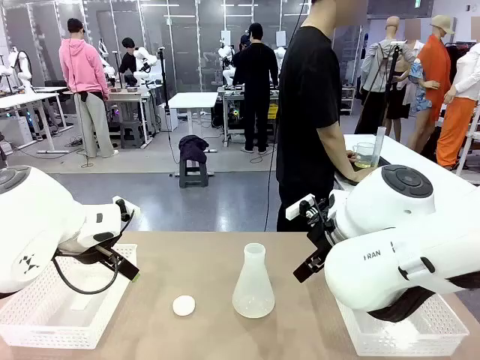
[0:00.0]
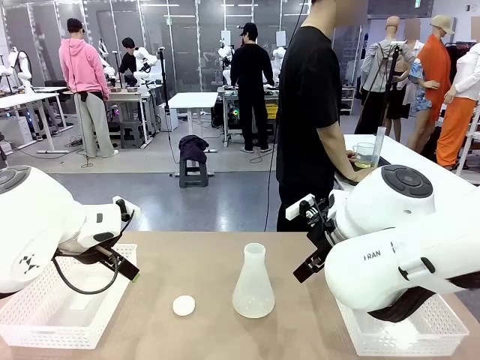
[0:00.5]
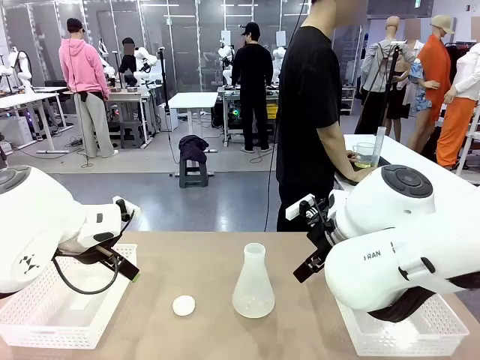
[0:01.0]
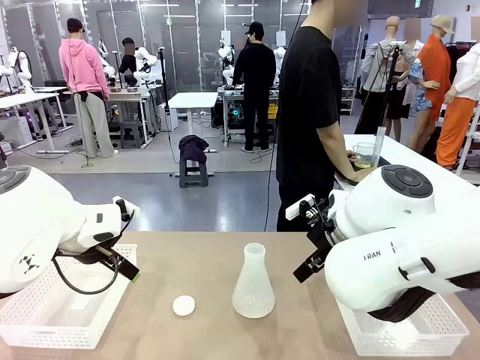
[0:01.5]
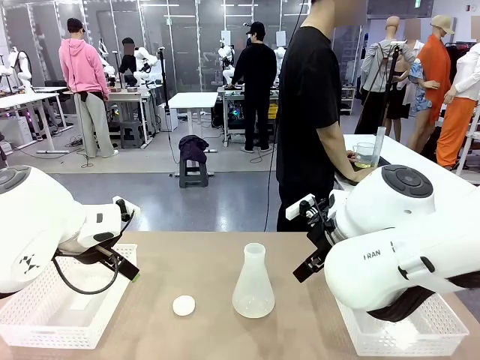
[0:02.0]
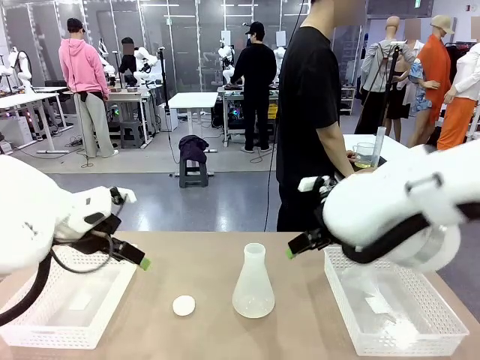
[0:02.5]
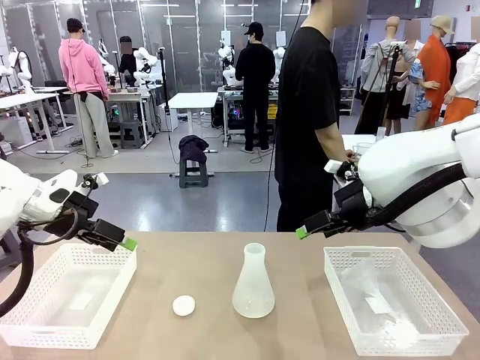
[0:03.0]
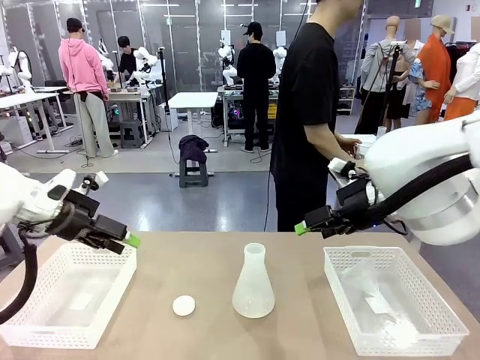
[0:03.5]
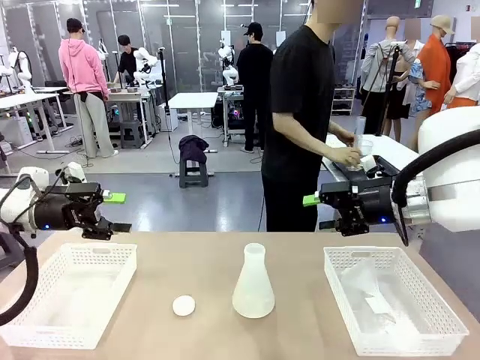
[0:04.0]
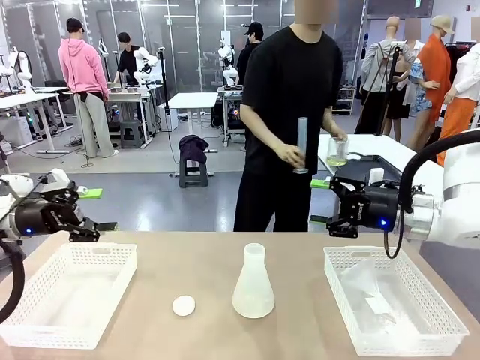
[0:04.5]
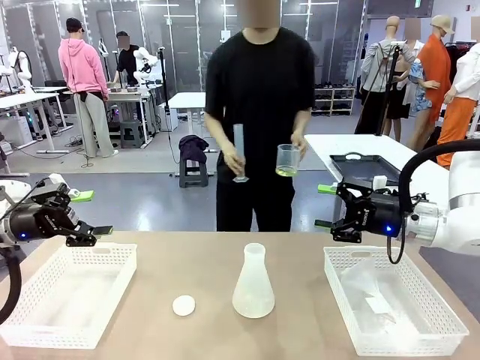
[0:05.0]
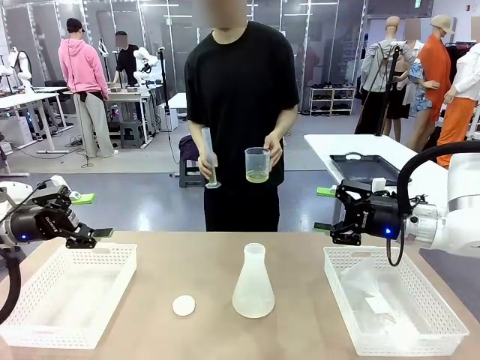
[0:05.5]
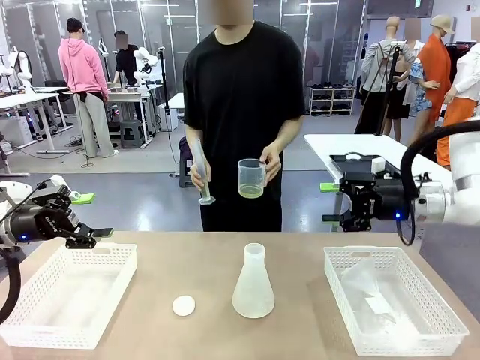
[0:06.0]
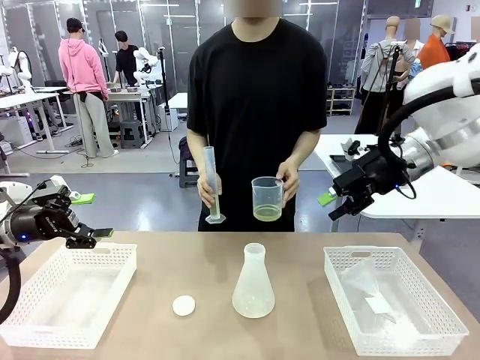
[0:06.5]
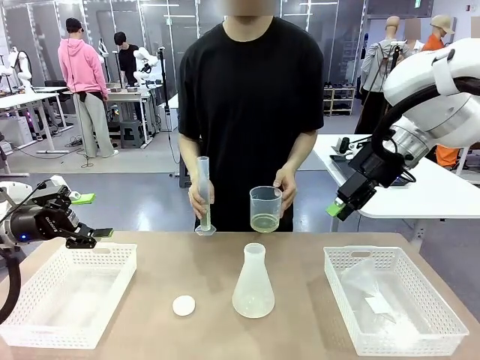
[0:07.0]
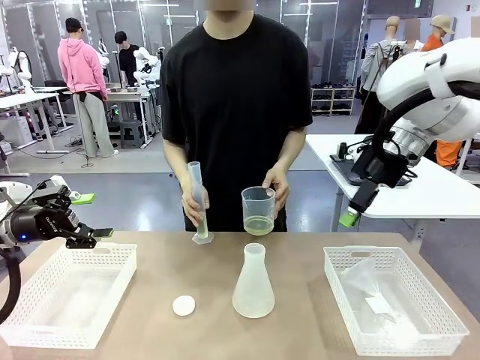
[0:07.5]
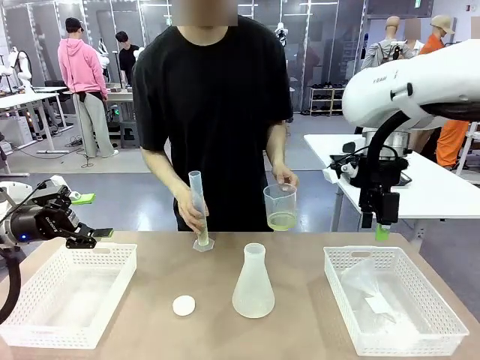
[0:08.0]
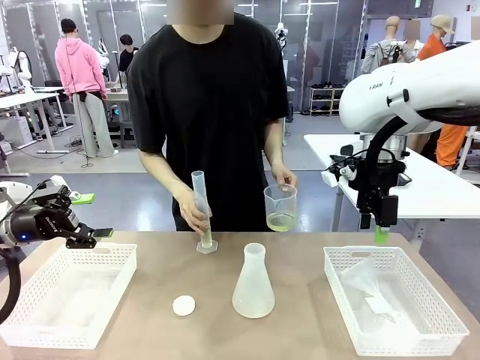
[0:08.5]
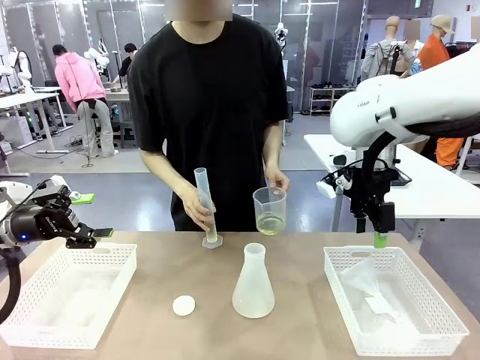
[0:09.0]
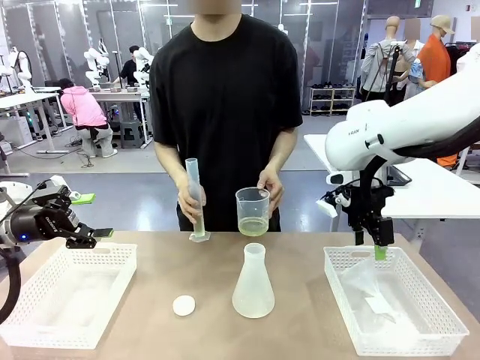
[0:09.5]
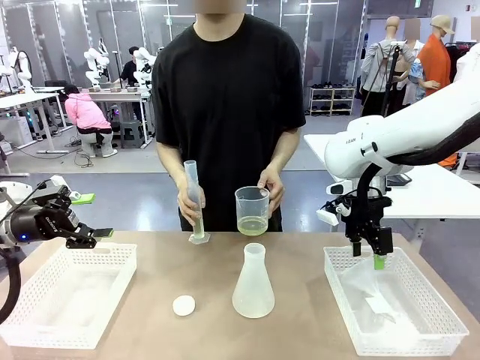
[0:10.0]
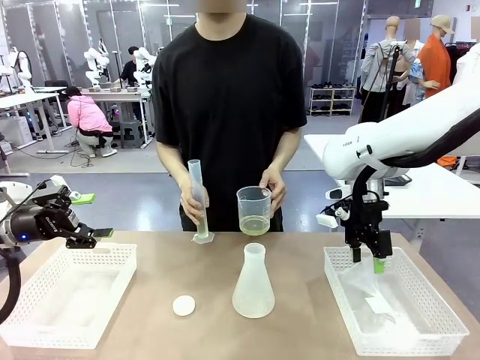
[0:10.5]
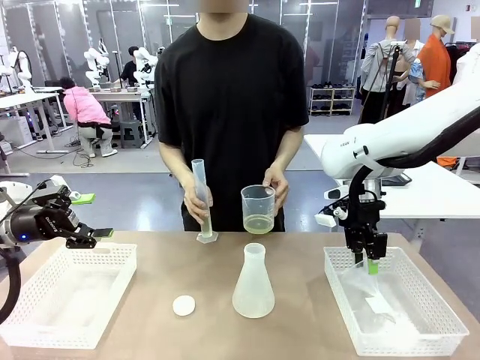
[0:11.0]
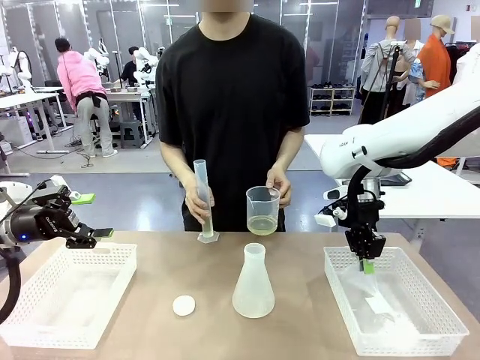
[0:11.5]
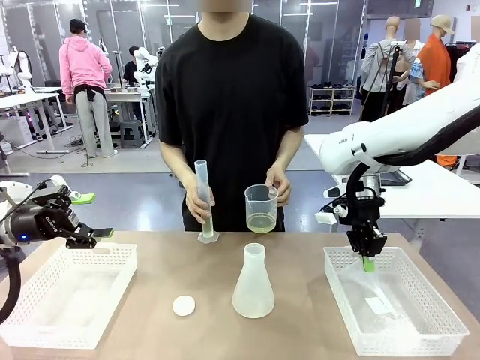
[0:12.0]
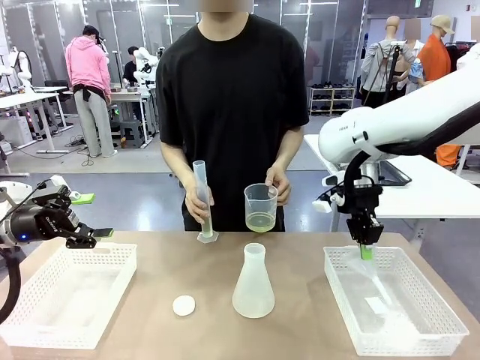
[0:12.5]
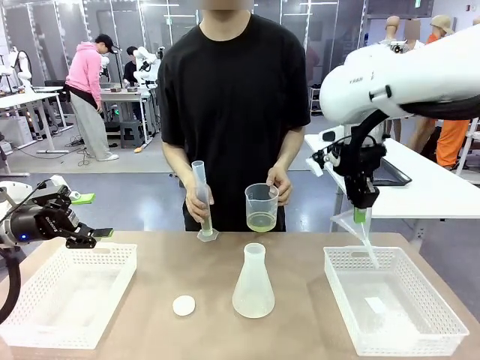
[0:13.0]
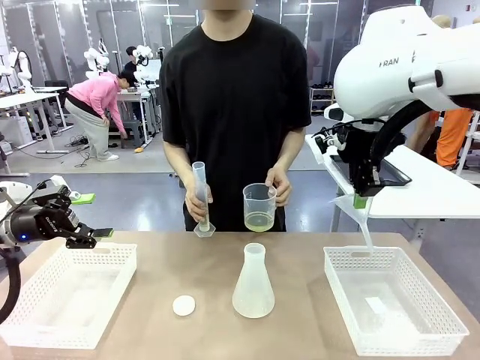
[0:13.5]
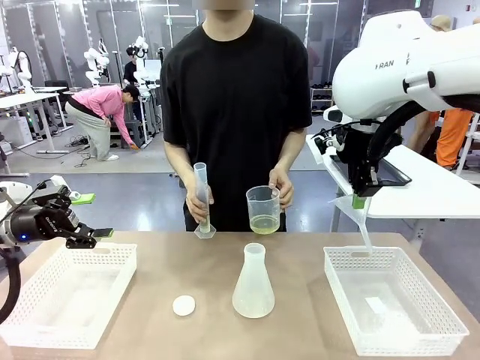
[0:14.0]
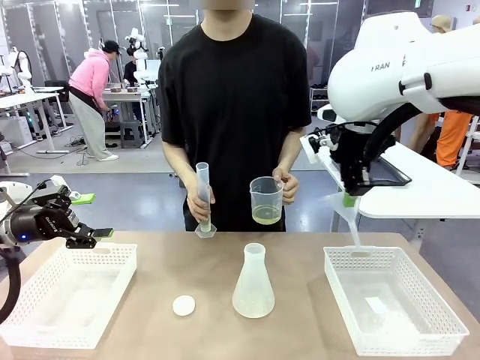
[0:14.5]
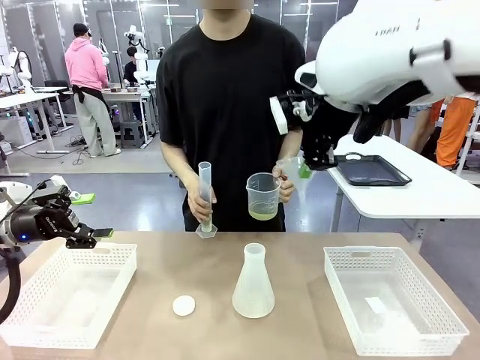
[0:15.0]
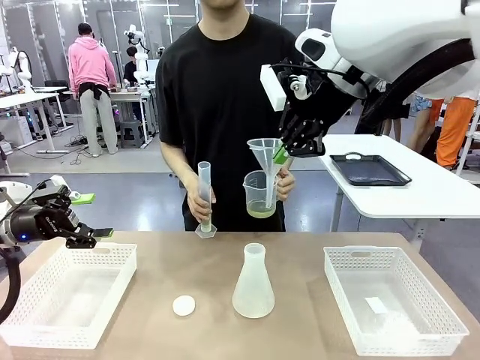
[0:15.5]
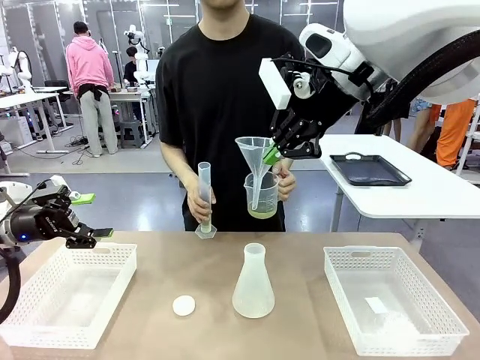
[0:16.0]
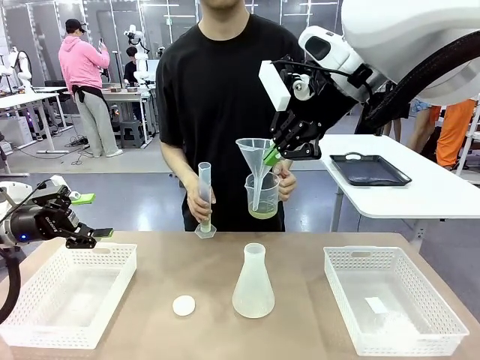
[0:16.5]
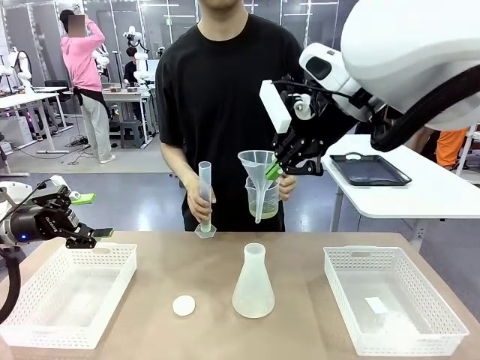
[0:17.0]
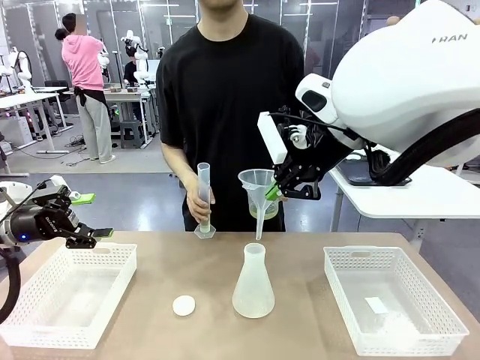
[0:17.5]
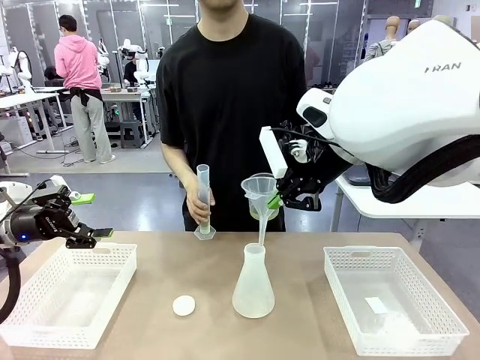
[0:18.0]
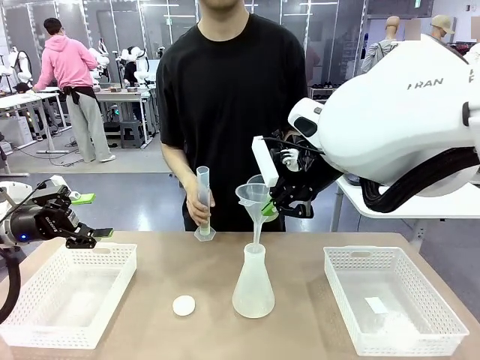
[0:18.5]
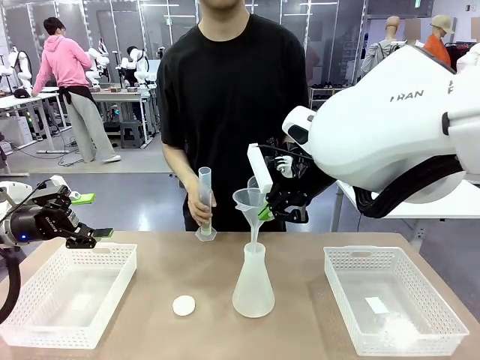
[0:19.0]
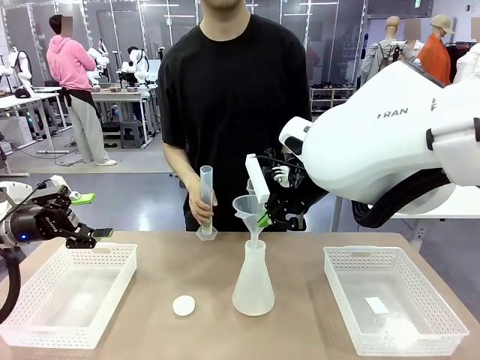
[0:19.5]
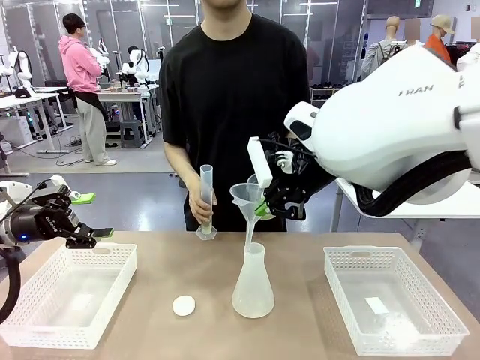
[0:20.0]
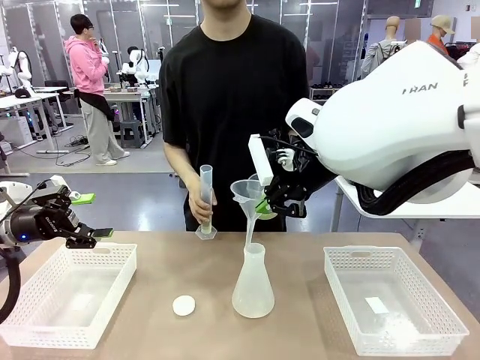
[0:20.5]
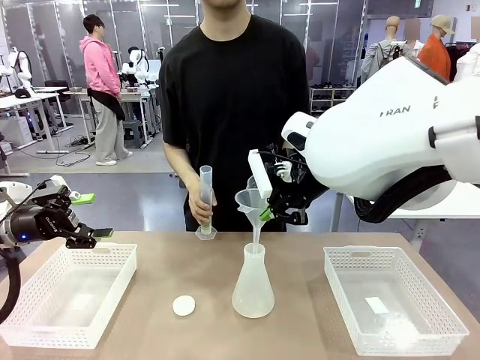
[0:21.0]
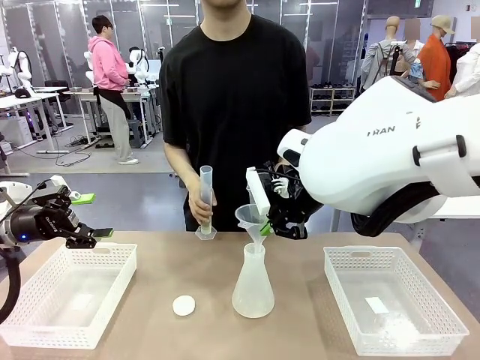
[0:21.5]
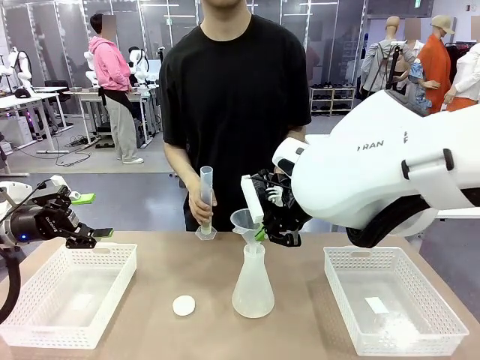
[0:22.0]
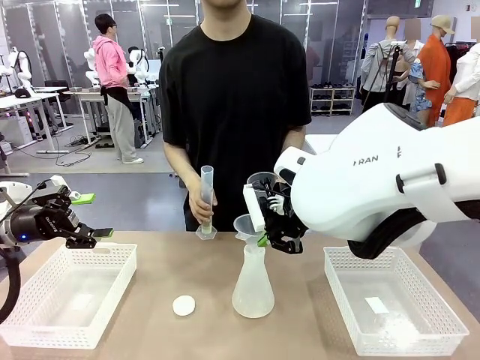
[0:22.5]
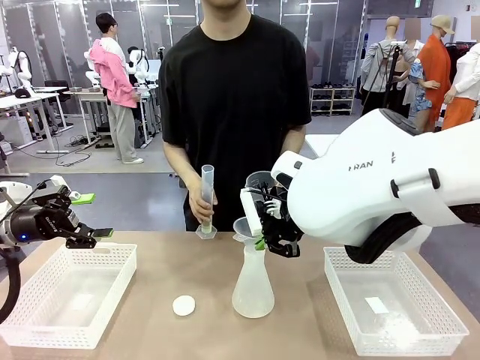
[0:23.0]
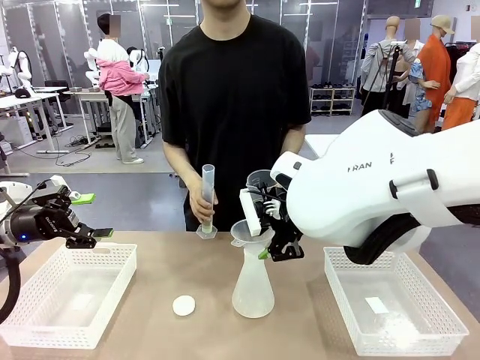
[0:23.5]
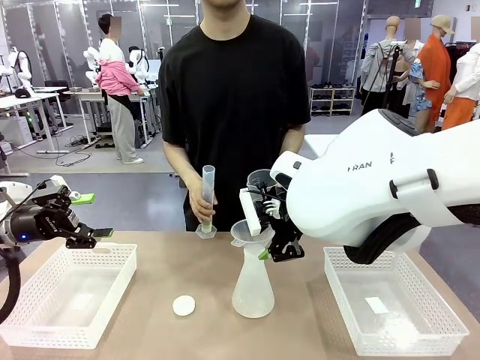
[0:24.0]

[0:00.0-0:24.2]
Task: Prepare the solutions needed for the experiment.
Robot: Pick up the Plastic Funnel and insert it into the Big flask.
Person: Pick up the beaker and the cylinder and move to the middle of the robot table. Pour the solution from the beaker and the cylinder into the flask.
